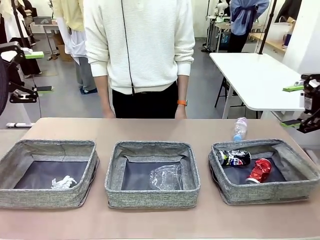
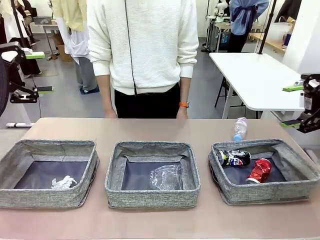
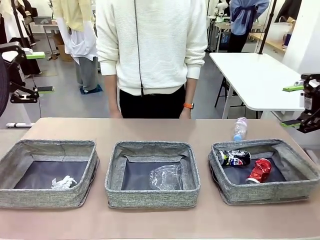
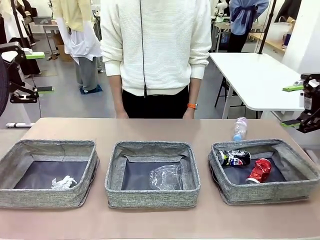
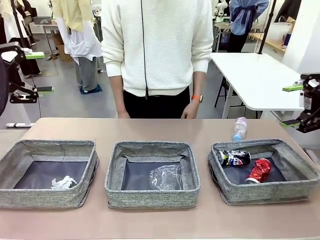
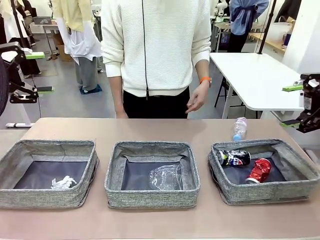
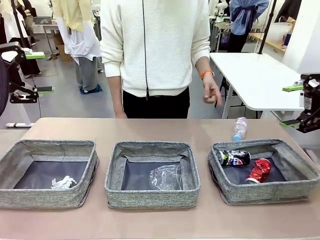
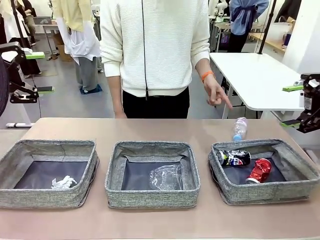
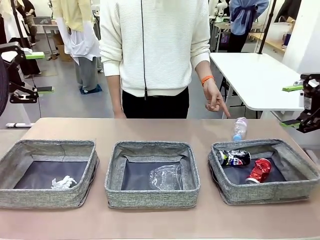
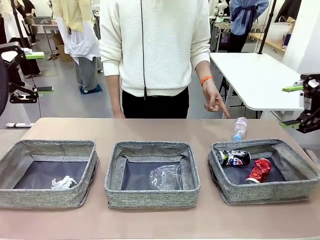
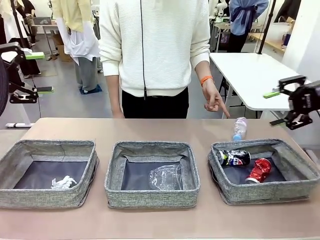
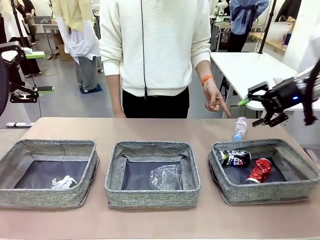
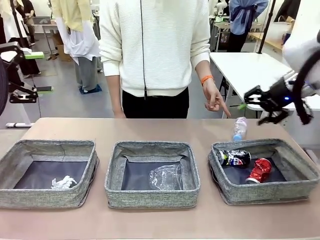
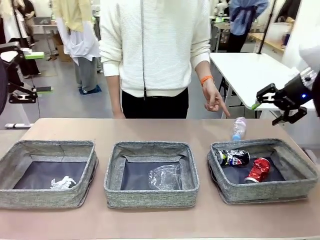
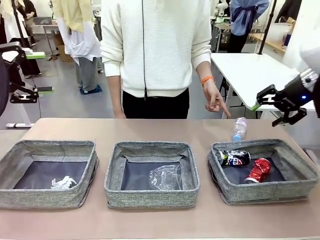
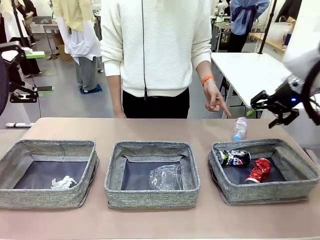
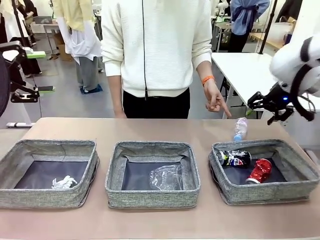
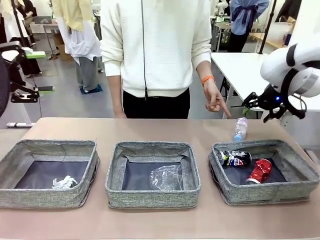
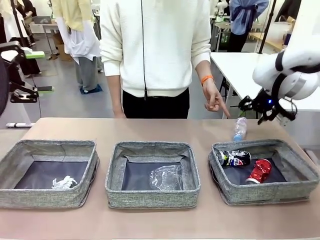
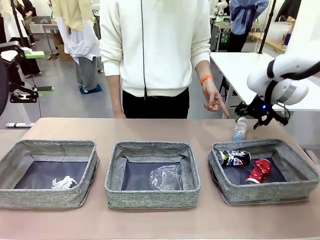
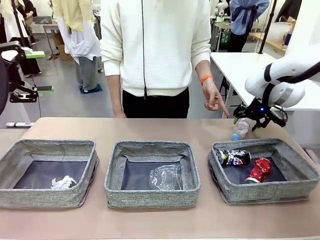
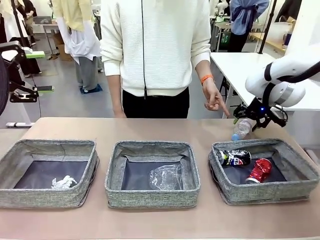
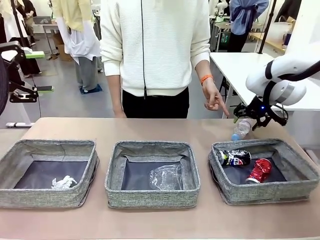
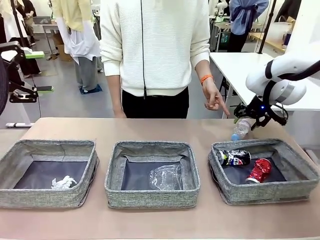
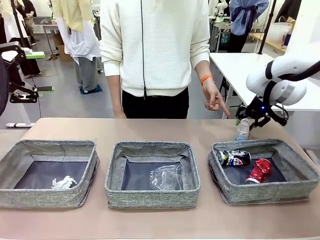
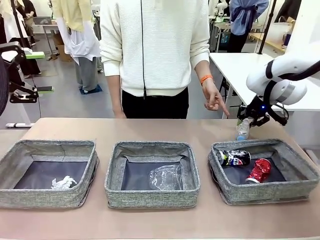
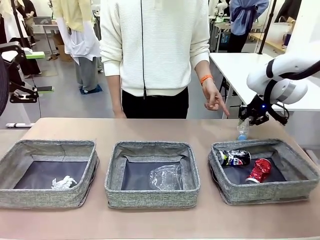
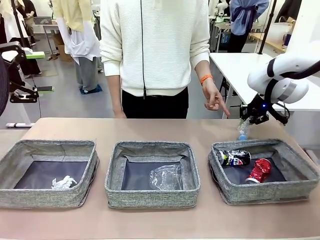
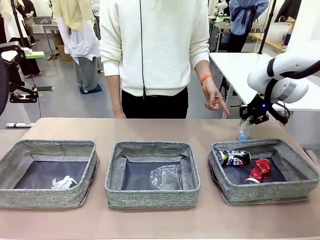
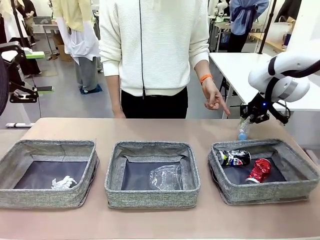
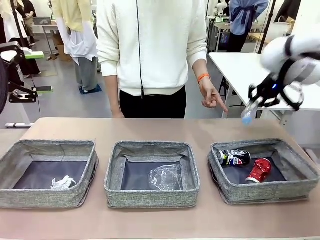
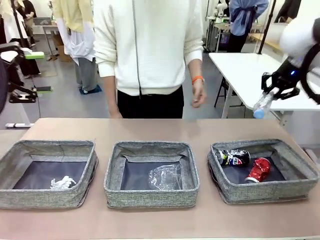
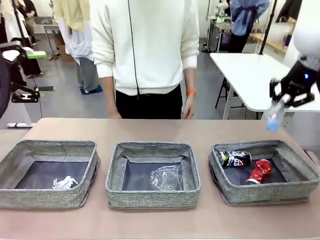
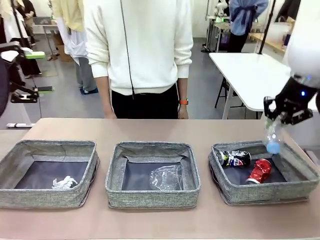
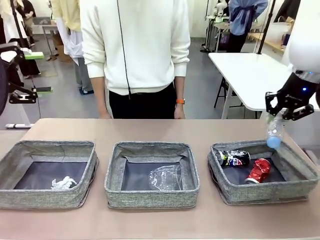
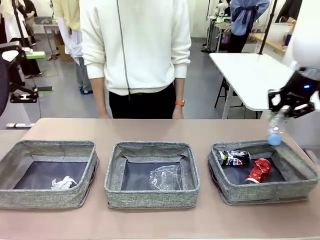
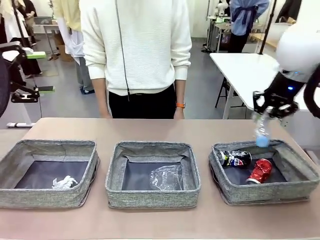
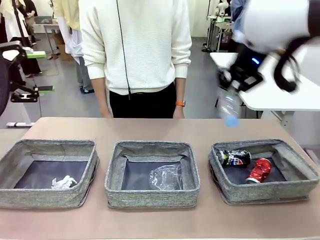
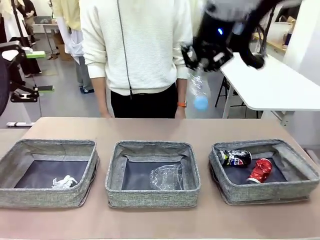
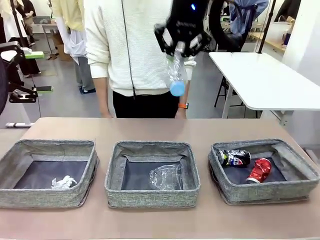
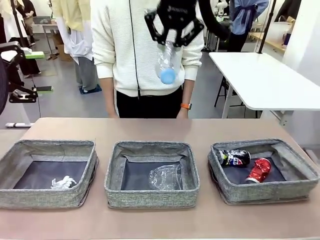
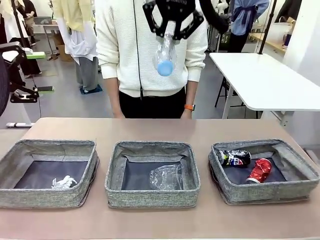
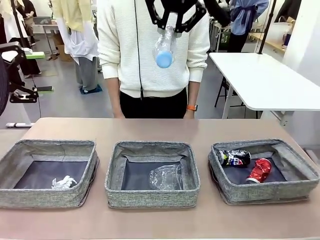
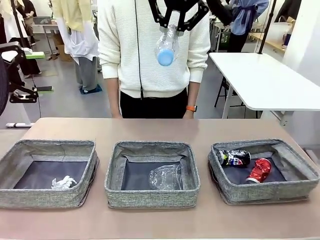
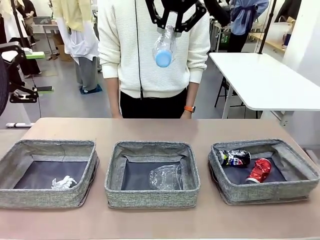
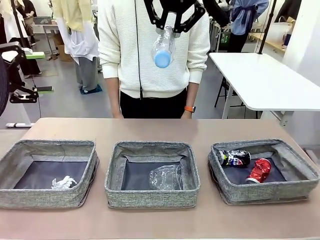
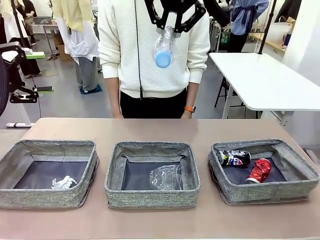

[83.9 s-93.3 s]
Task: Sort the waste into the appropriate baskets.
Robot: Pick up the waste item pointed out by the person.
Person: Points to one piece of trash on the table.

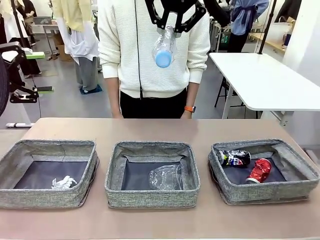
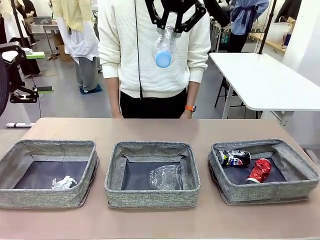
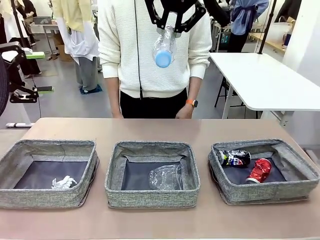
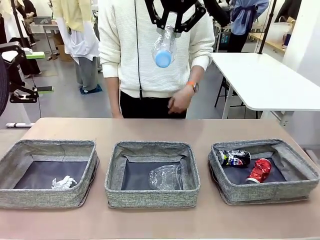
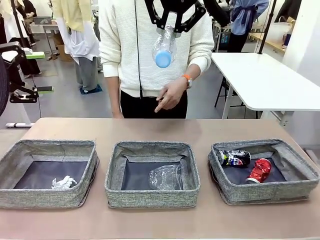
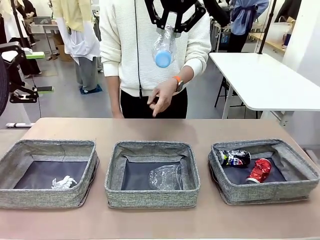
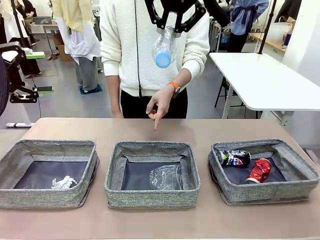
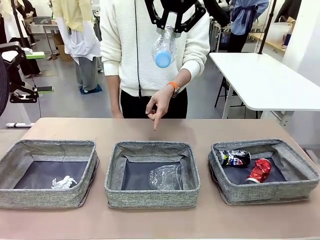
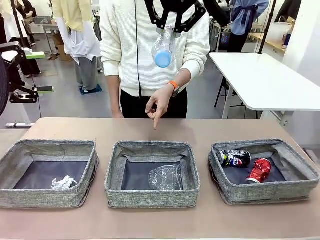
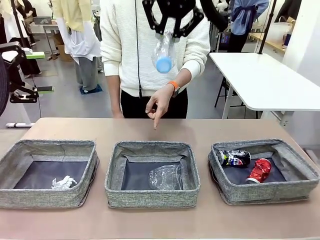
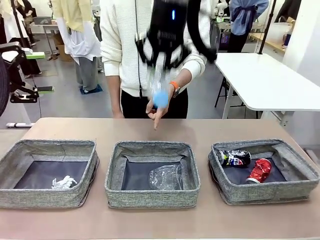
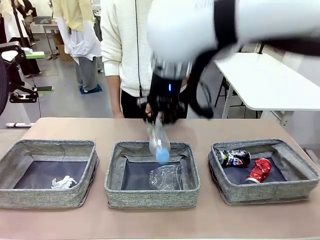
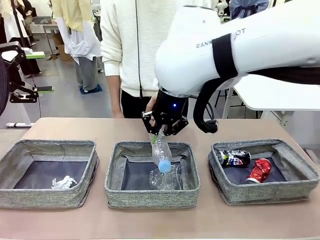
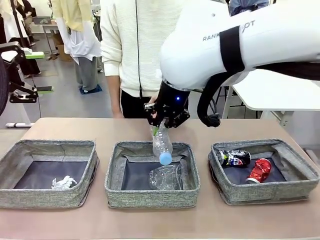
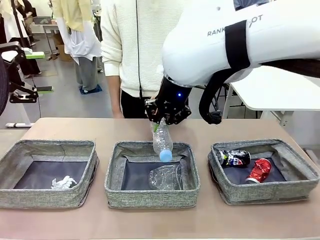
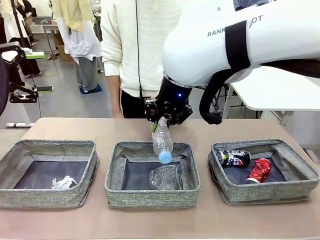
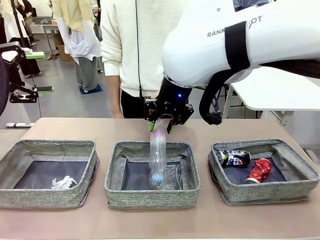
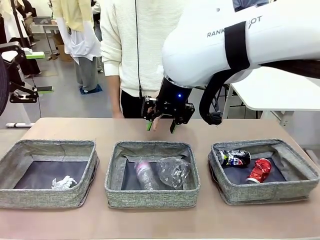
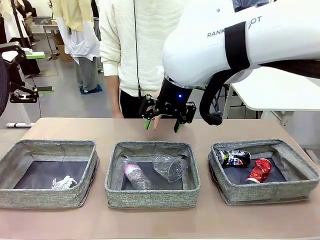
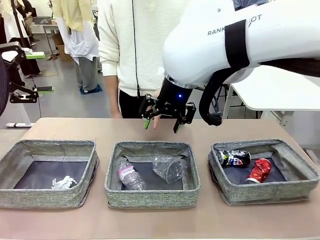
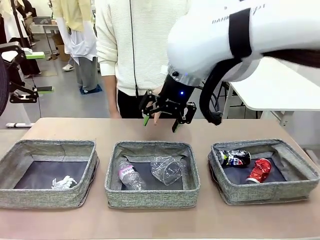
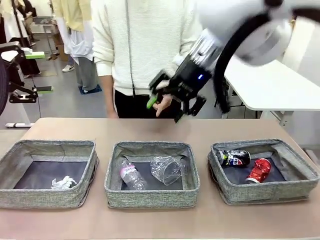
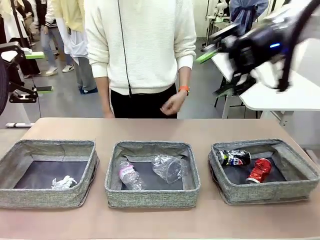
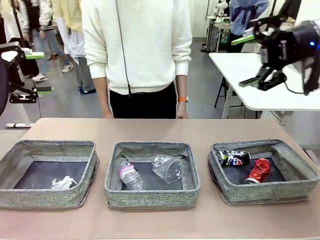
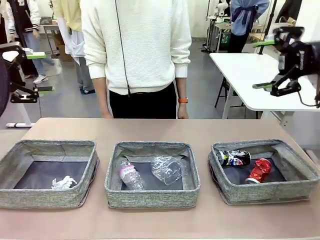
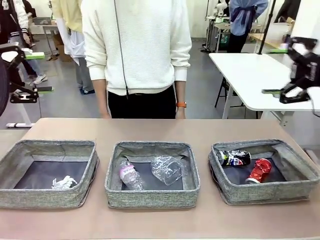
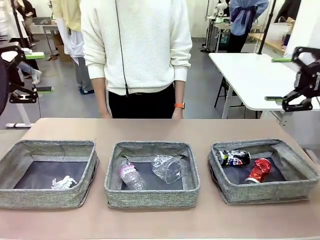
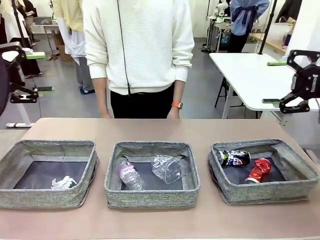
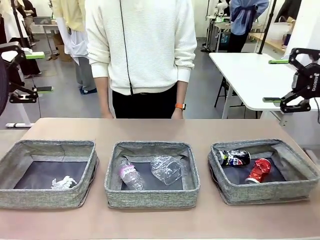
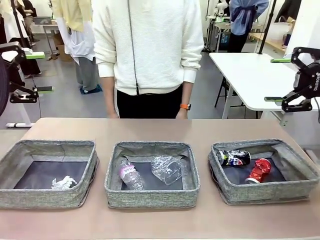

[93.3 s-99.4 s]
Robot: Place the picked waste into the Fabric basket indicated by the person.
Person: Instructs the robot to place the picked-up trash into the appropriate organizing basket.

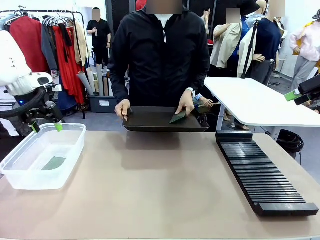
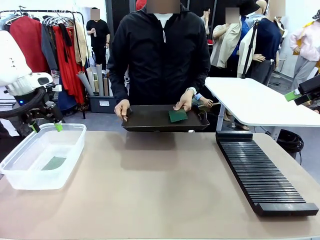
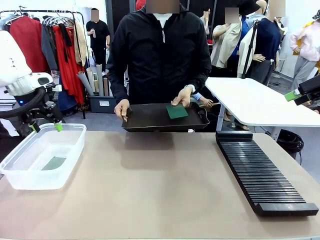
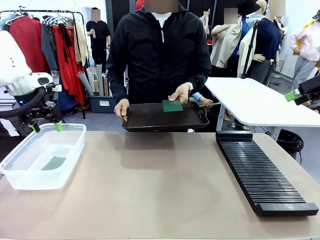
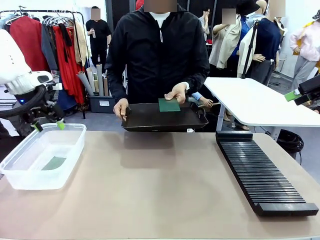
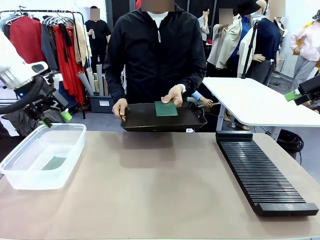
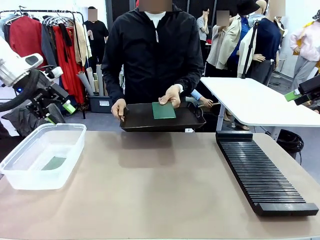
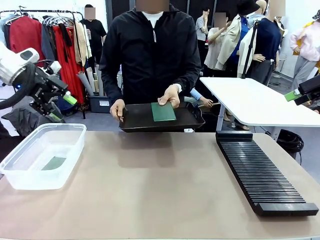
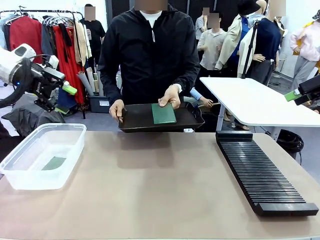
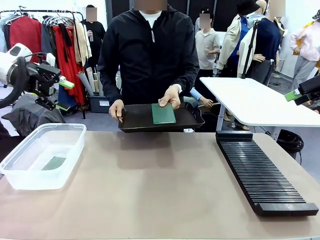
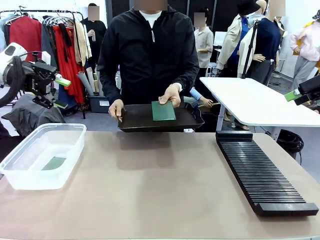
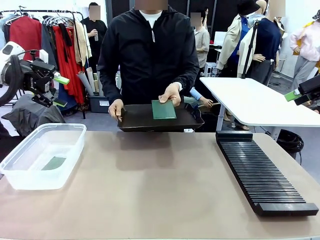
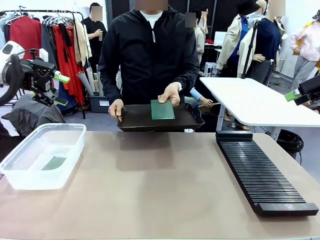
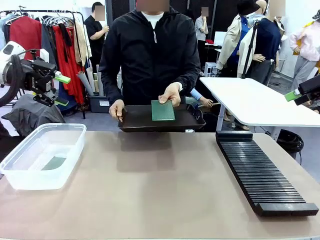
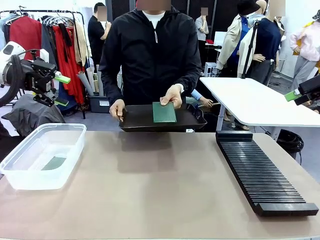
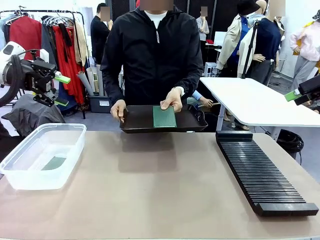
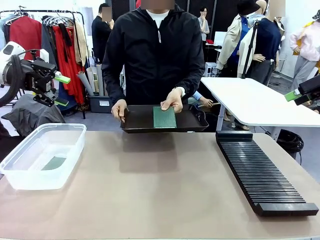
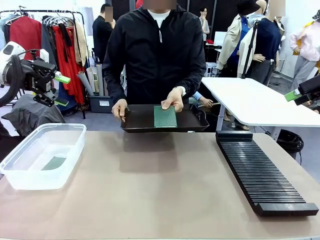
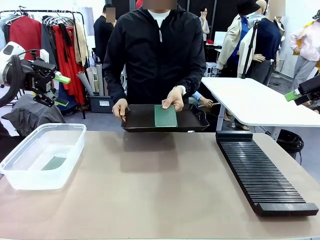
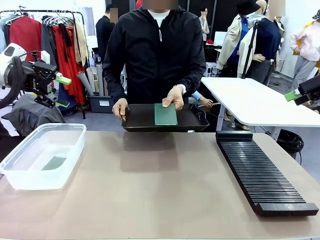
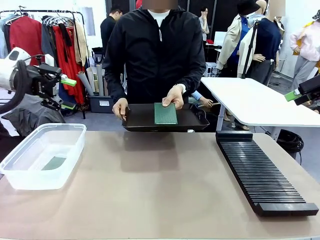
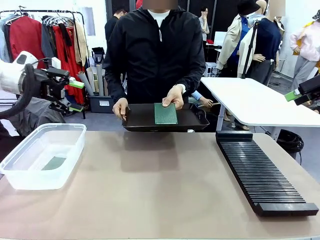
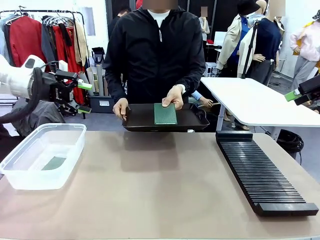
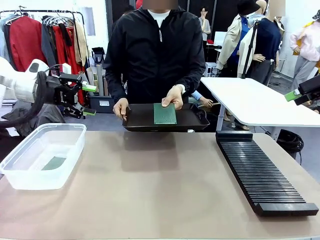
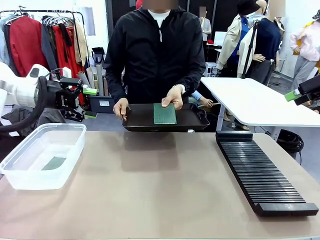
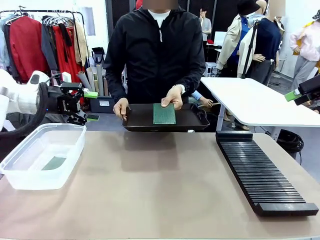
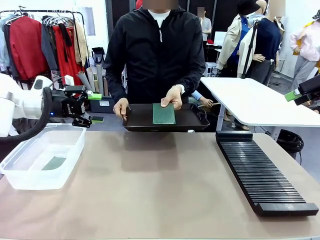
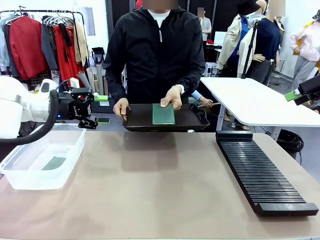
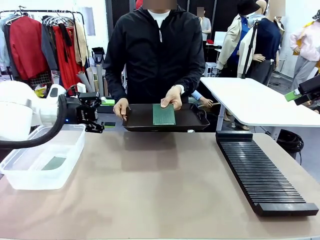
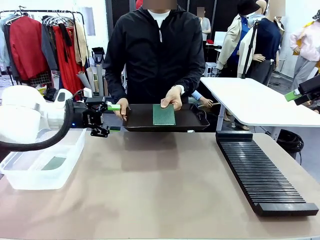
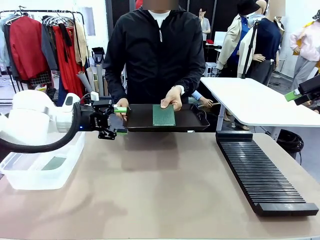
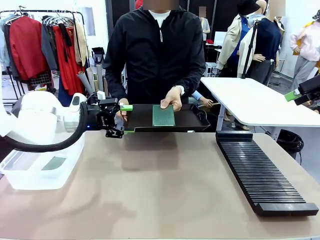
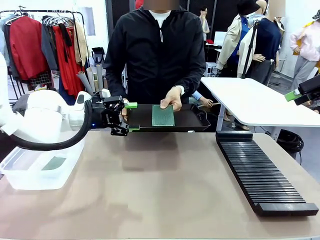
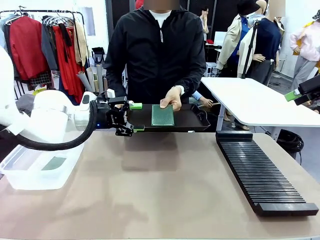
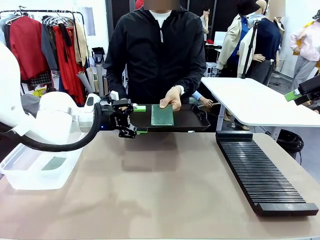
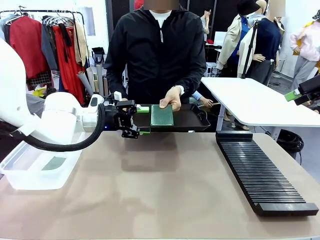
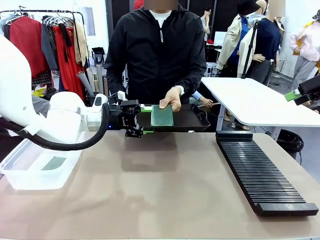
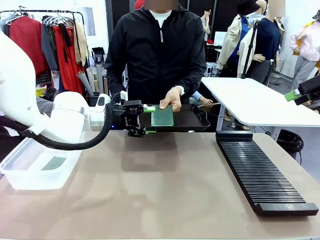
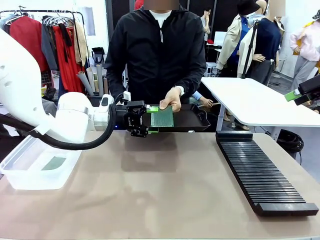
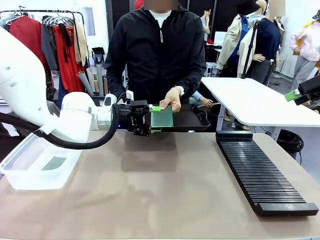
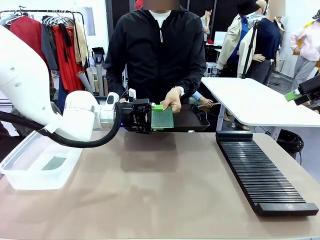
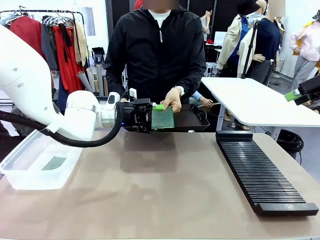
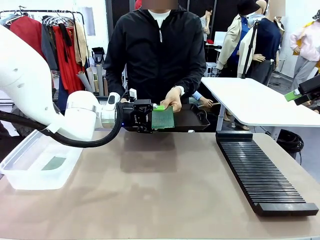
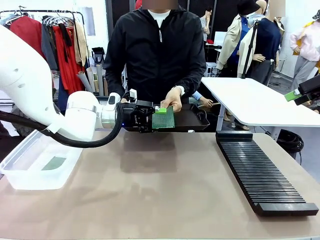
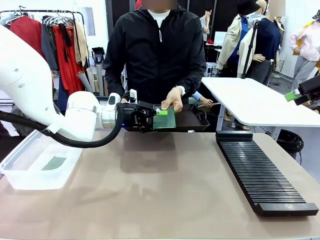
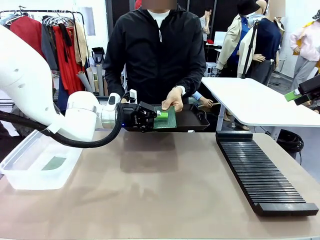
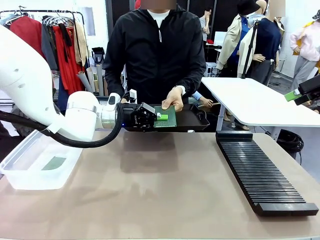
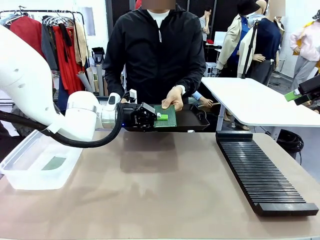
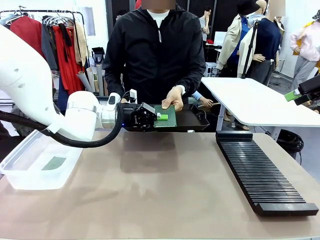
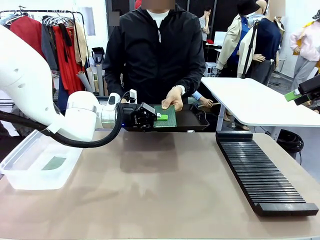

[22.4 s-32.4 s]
Task: Sort PCBs into racks and boxes based on the side picked up.
Robot: Pick up the Blank PCB handed by the Human.
